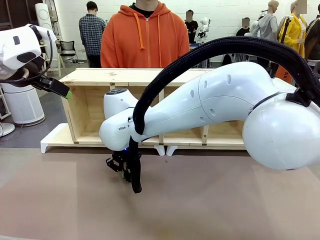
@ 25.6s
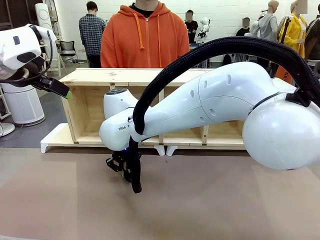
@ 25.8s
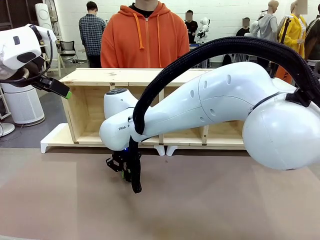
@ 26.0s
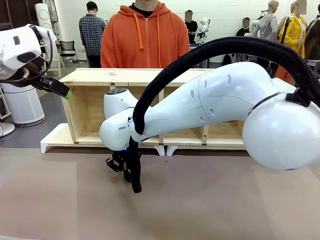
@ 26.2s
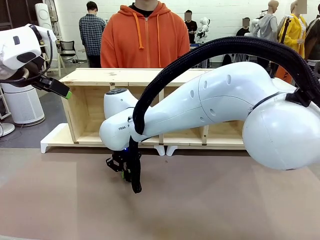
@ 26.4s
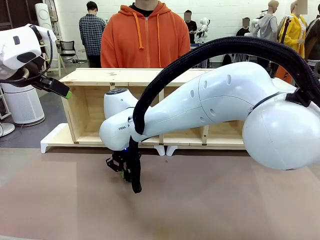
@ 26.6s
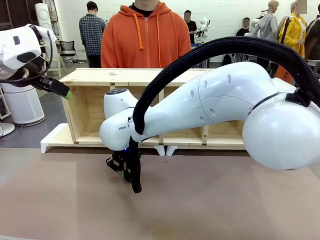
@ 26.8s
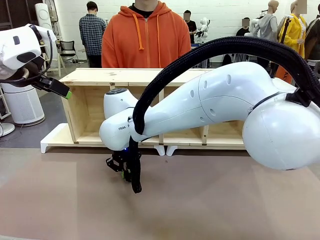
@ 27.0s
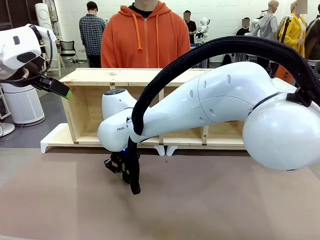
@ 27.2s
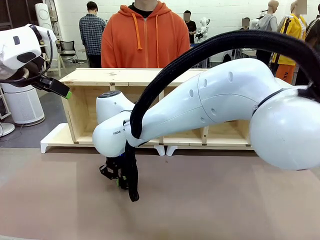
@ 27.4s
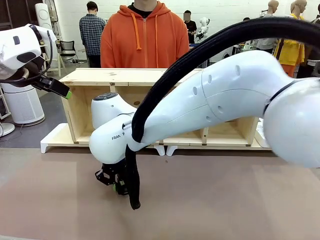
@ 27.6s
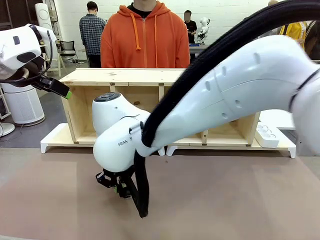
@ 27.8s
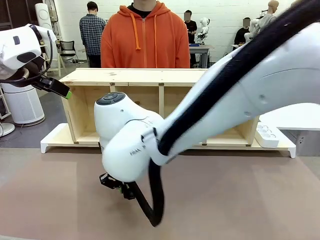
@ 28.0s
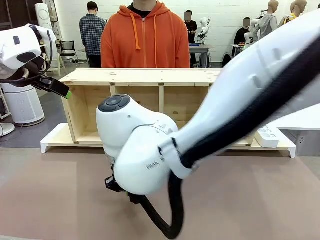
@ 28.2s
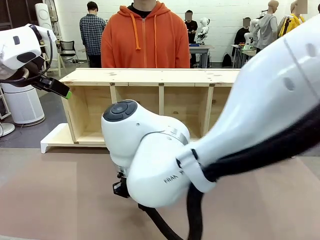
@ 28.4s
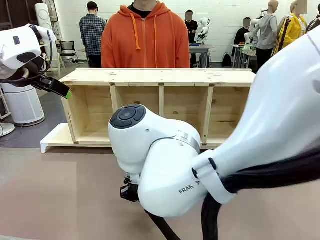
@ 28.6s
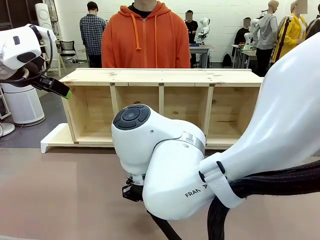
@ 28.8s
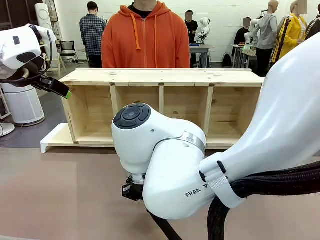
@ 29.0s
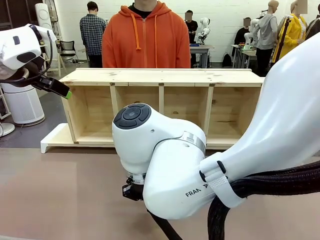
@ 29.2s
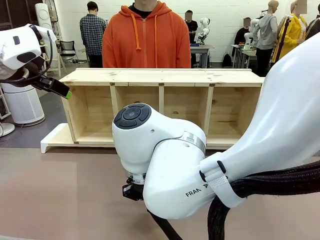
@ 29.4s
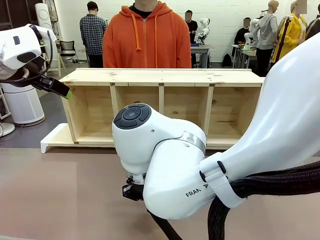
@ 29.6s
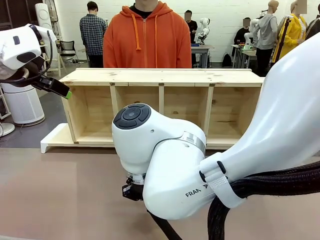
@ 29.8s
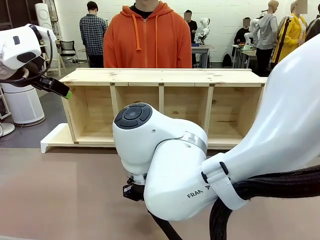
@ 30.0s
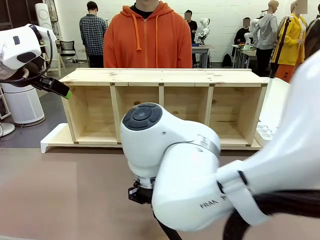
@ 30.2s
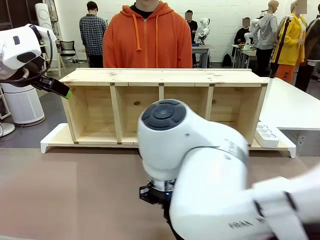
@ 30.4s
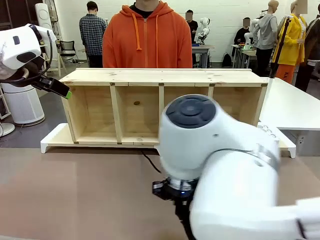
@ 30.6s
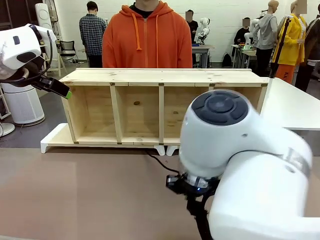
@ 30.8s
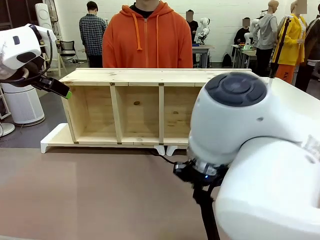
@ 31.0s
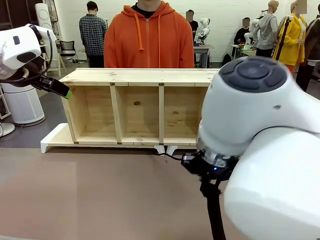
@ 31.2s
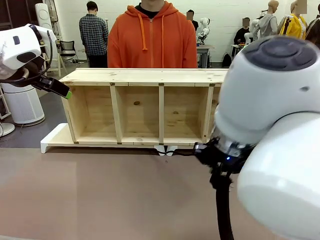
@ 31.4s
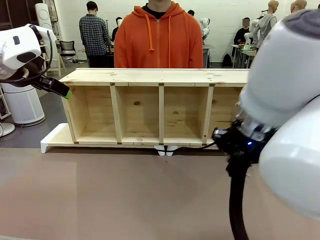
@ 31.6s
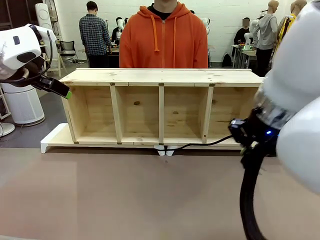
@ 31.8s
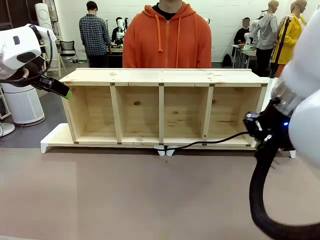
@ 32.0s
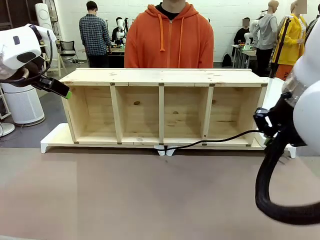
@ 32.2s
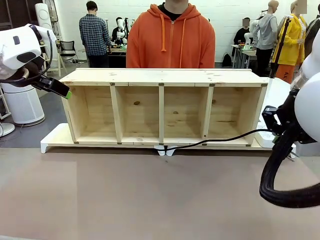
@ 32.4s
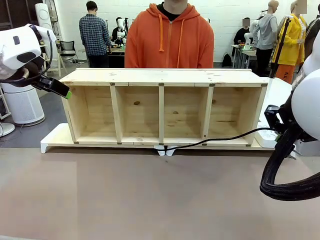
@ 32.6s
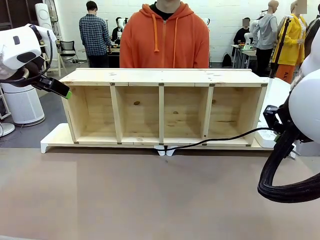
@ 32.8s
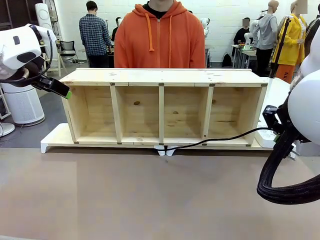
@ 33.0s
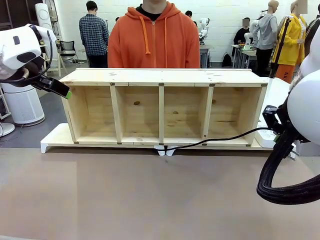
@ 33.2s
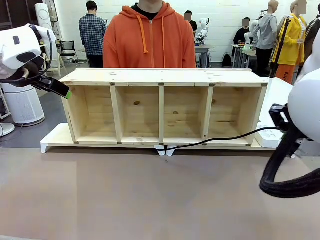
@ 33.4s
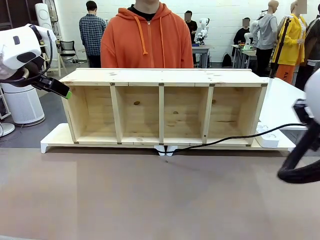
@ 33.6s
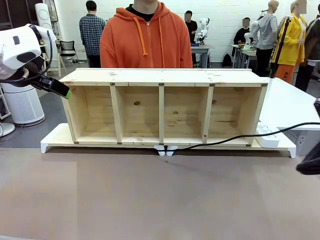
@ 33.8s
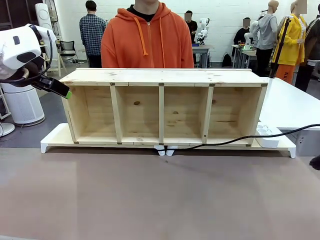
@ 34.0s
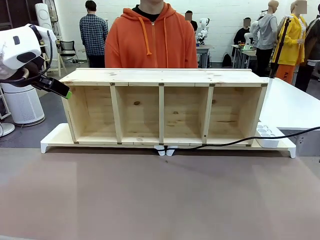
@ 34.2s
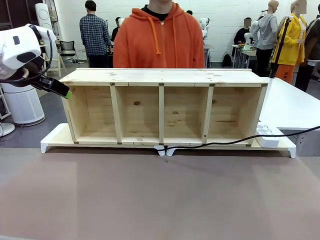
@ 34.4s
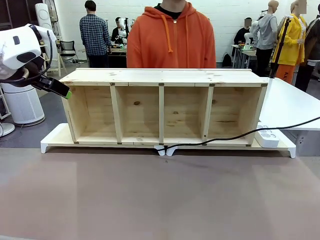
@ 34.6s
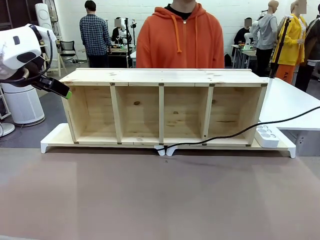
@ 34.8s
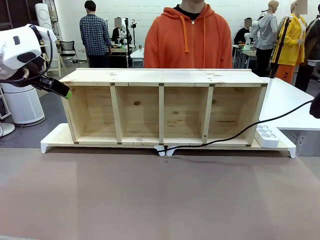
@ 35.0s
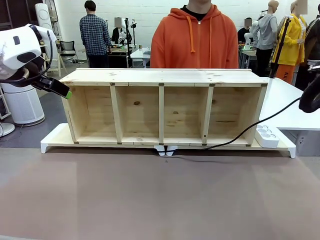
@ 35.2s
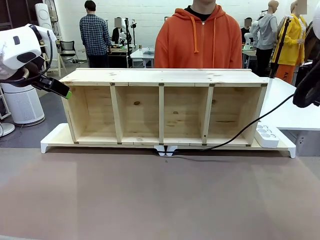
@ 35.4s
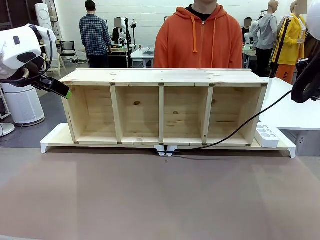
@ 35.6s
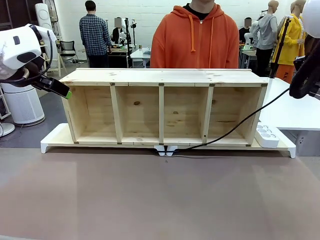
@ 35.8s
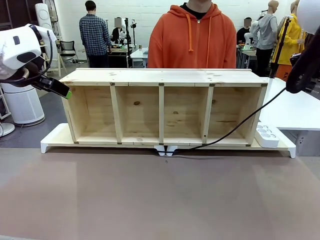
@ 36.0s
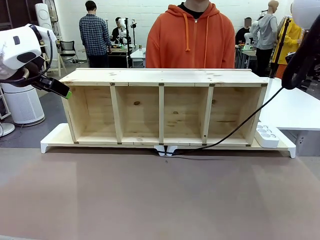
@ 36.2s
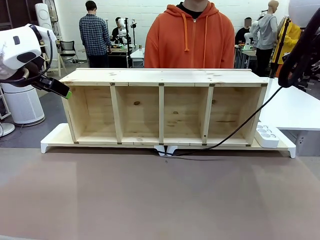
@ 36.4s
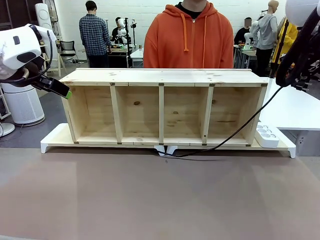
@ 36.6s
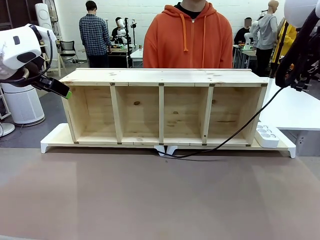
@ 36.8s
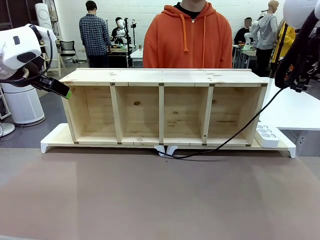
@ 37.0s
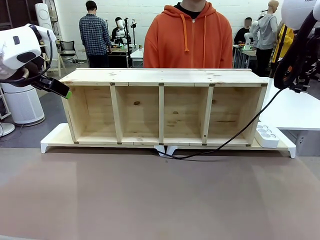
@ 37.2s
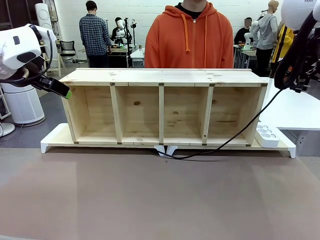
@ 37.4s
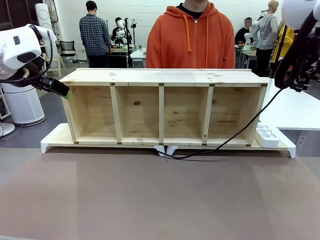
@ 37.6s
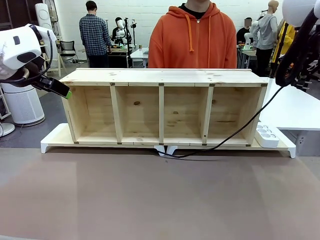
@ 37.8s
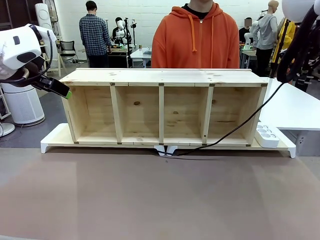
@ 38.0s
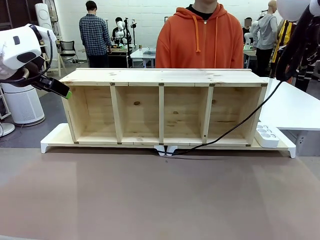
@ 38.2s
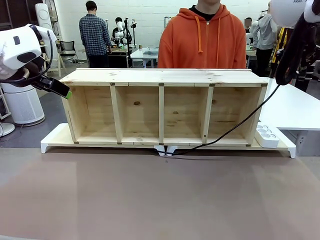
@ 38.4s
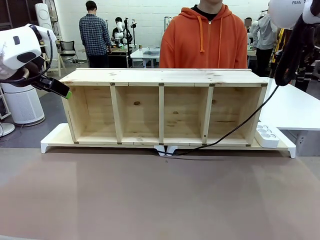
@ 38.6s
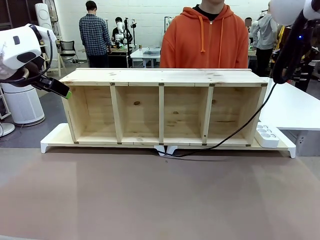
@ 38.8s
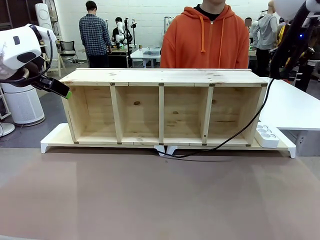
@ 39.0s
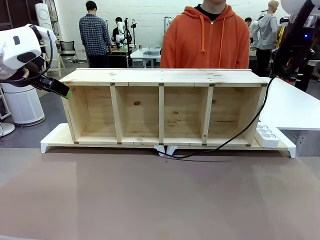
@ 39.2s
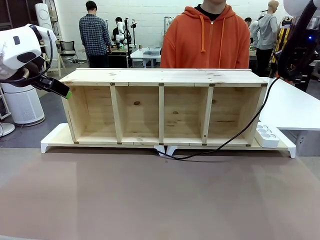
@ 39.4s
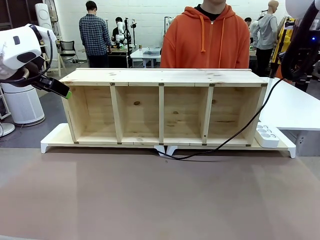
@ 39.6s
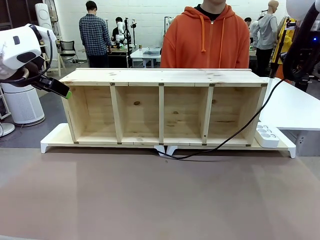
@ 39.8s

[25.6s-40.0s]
Task: Perform cable management.
Robot: Pull the grasped Power Cable to the location of the Power Strip.

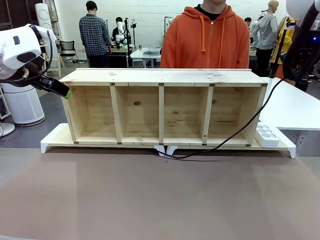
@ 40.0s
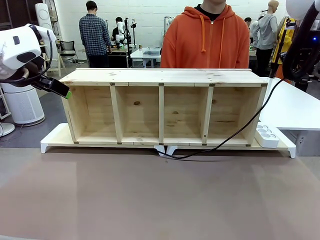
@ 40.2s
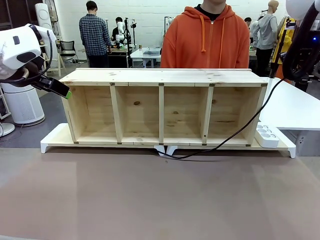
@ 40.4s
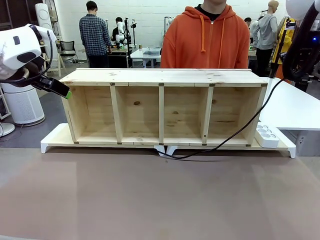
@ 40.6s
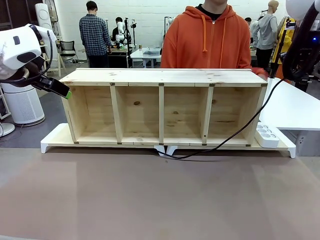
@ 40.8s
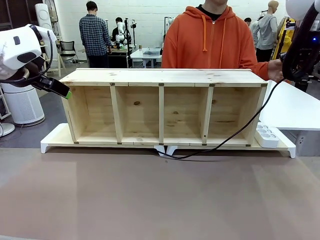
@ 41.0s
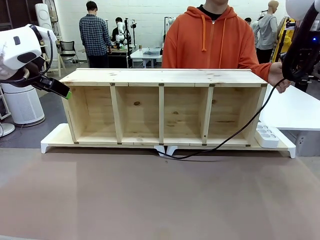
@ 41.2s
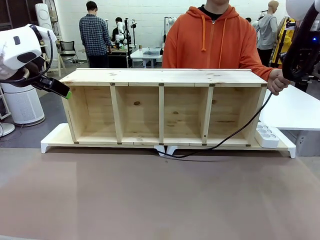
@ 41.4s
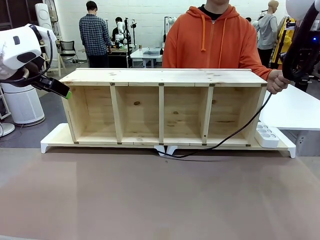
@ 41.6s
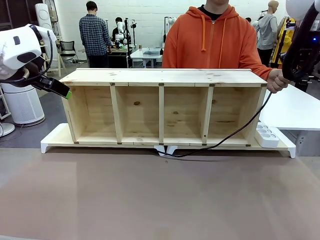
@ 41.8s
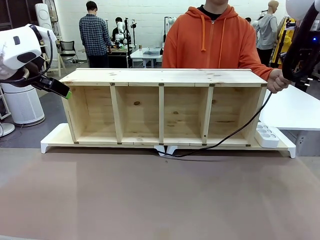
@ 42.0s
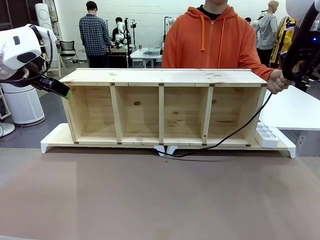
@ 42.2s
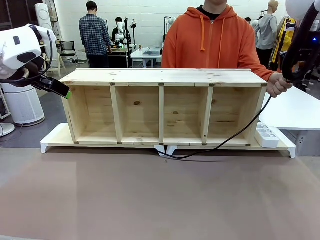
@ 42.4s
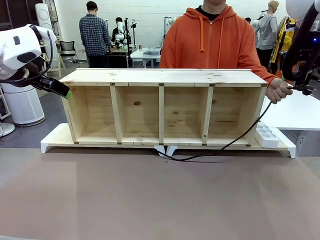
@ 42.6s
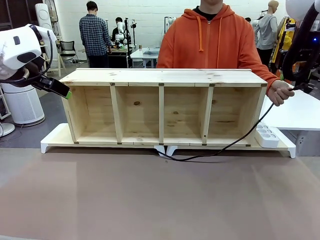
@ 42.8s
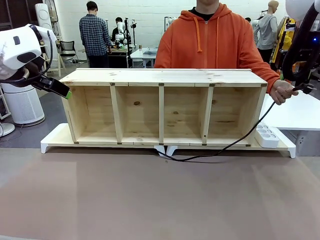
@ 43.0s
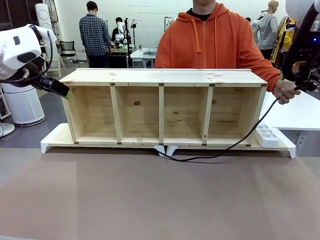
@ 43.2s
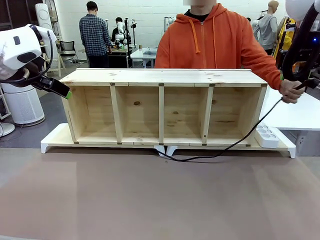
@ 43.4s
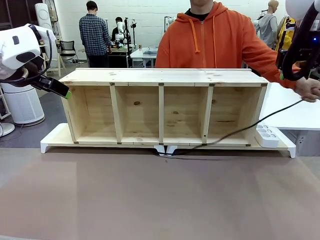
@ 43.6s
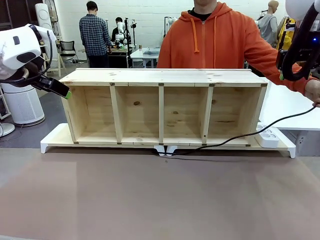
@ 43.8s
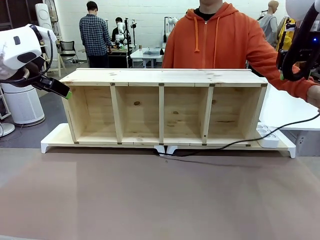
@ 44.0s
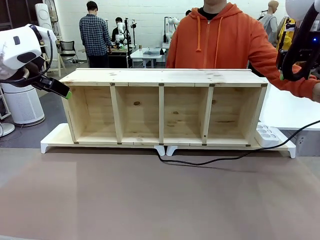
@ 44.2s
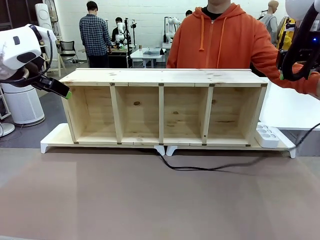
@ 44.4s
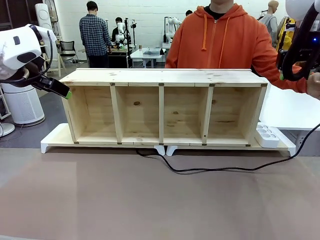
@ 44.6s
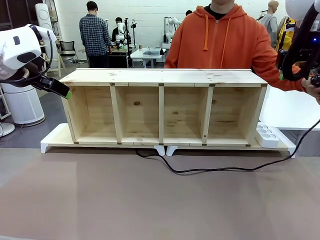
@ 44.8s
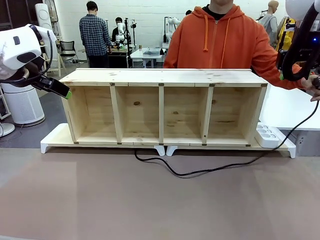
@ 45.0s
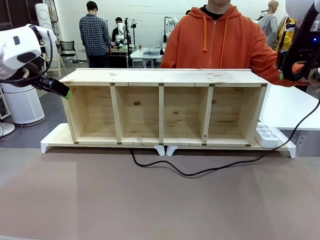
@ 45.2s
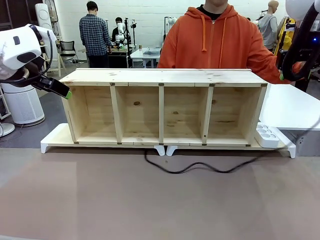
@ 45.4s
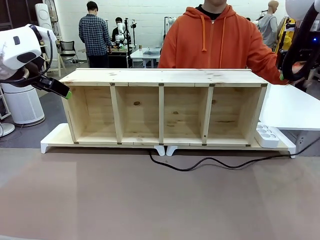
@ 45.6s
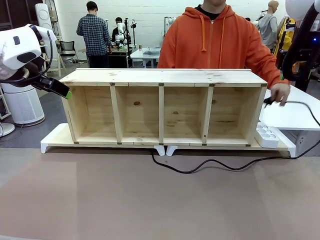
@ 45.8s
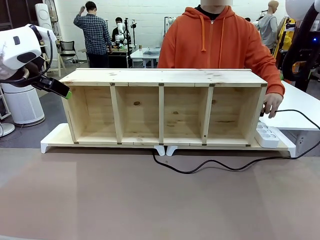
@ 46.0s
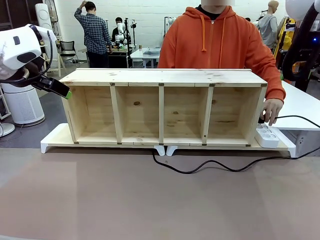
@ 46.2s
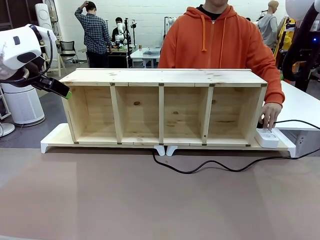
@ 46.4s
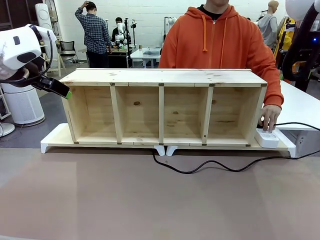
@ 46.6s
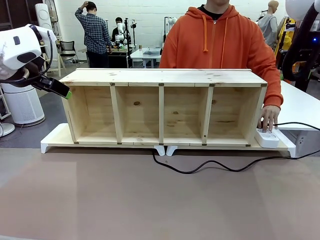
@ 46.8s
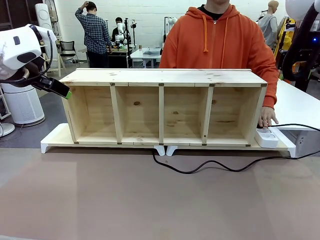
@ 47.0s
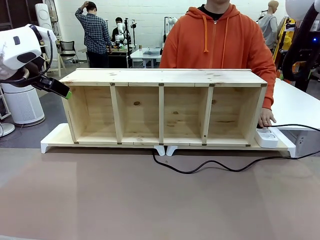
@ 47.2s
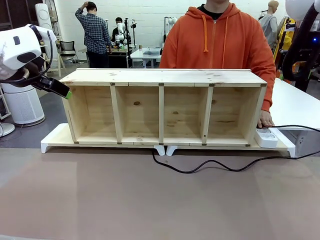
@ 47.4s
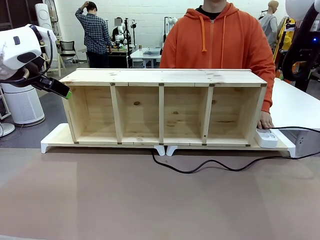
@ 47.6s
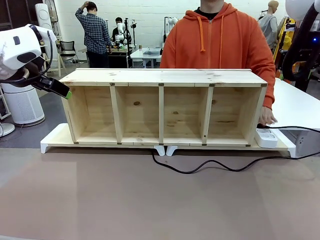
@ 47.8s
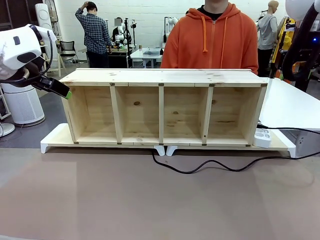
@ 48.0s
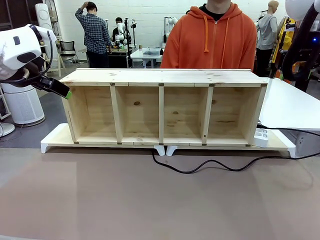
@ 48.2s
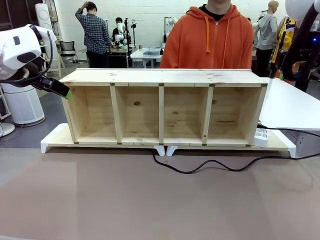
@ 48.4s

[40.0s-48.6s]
Robot: Release the Power Cable when the human grasps it.
Person: Plug the Power Cable into the Power Strip.
